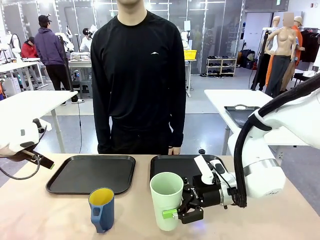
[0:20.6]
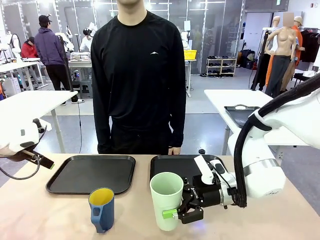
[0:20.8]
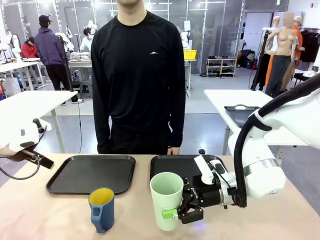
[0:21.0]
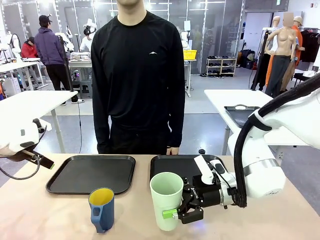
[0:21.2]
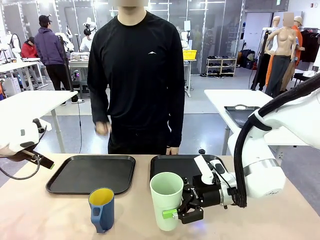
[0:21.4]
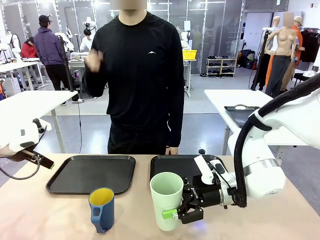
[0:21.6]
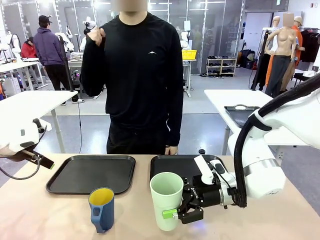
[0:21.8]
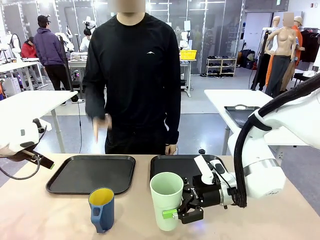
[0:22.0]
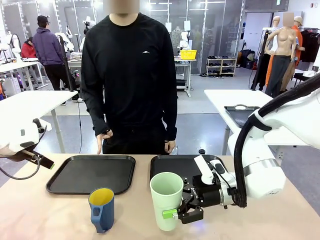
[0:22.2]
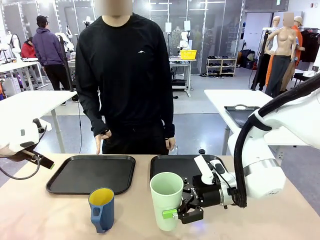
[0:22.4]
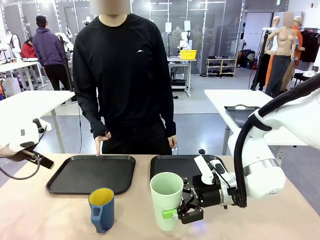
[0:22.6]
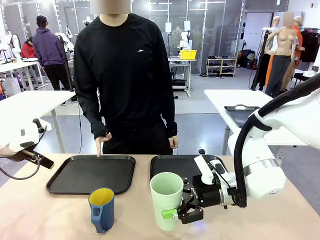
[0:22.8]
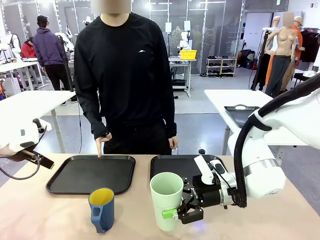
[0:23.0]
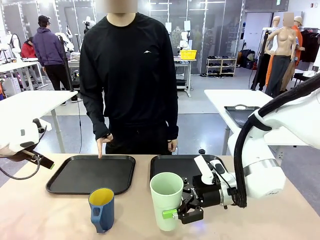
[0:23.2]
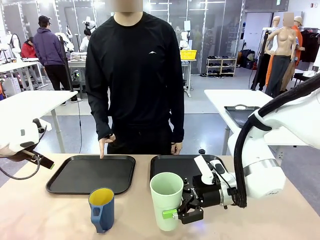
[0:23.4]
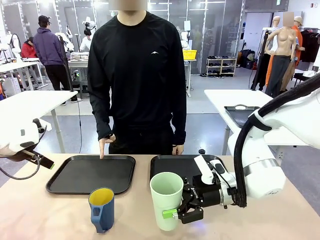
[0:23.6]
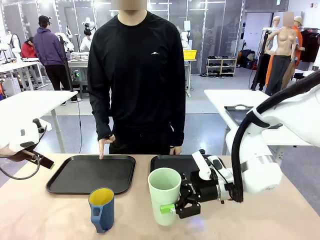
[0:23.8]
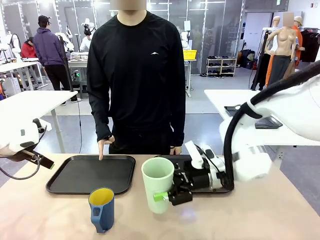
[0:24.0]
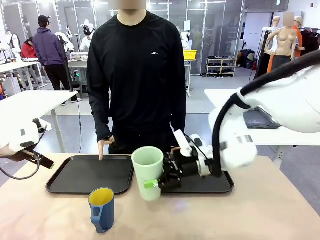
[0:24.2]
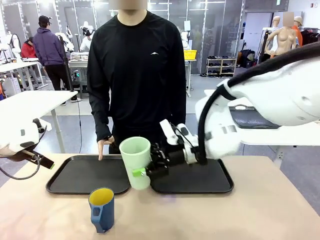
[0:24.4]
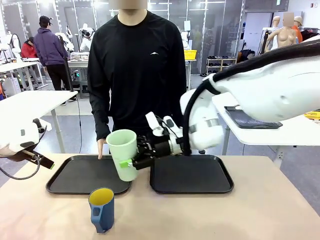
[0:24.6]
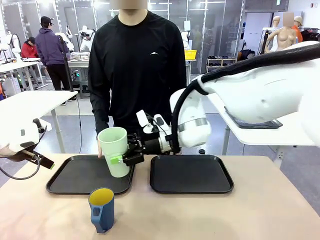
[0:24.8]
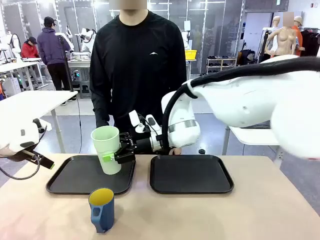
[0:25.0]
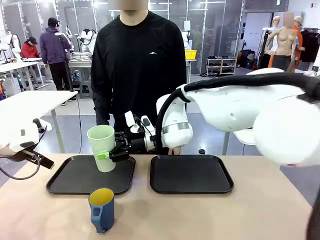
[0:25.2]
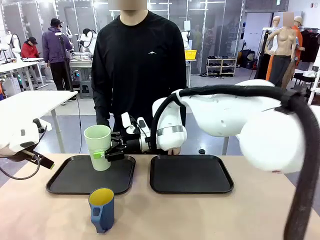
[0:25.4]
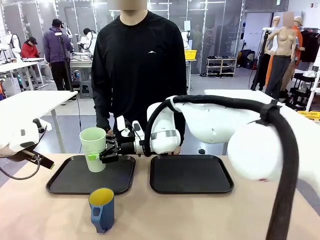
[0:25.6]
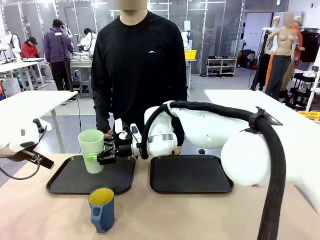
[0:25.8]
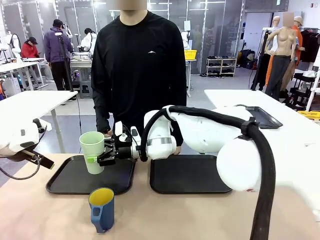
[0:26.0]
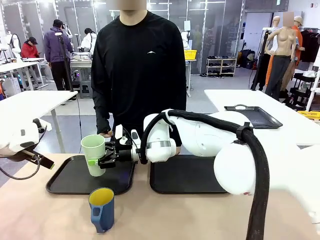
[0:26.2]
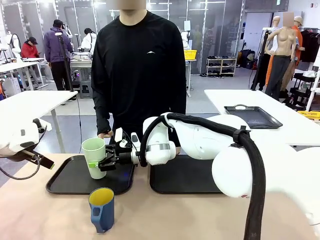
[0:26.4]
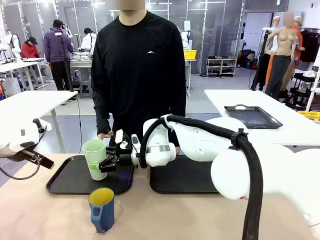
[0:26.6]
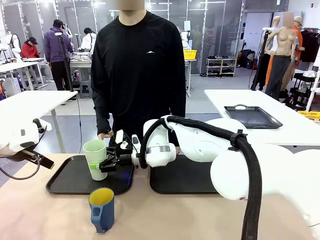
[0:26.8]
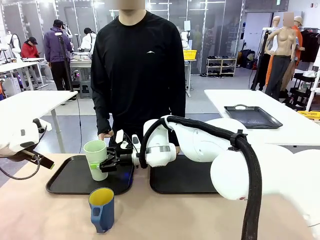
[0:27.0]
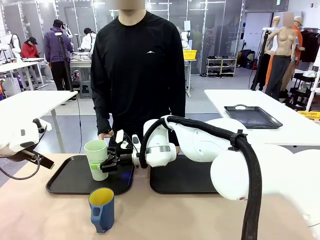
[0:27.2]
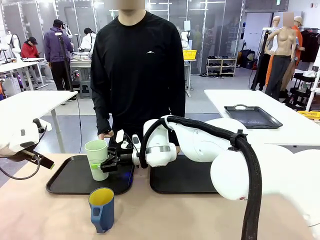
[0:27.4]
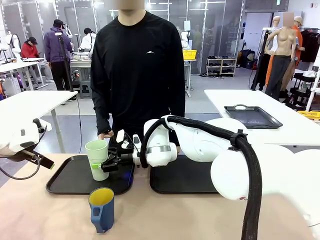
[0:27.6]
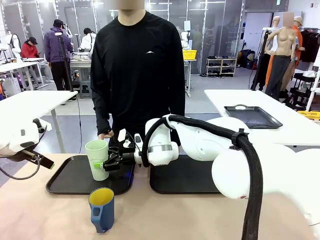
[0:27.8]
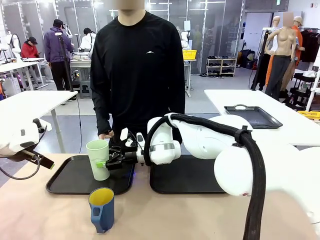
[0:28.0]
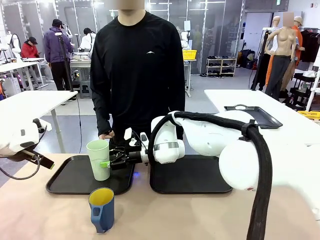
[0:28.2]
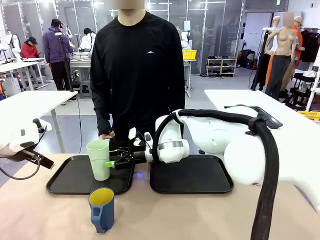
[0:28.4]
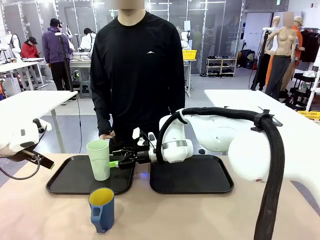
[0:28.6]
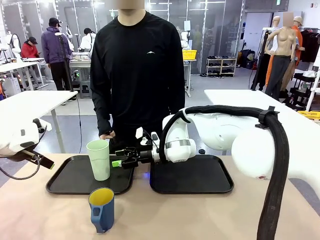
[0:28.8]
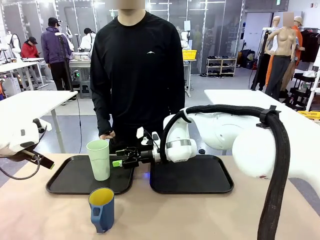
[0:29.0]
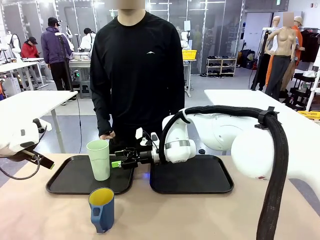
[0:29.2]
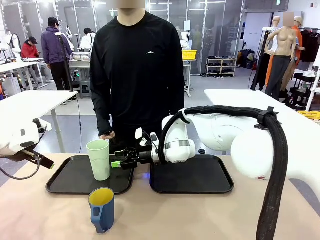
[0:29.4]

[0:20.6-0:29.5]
Task: Sort and store the cups by type.
Robot: Place the picked Reusable plastic cup into the Flat Tray indicated by the person.

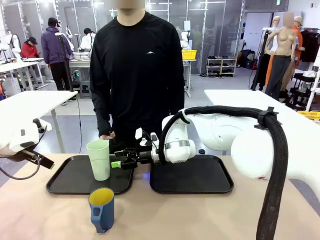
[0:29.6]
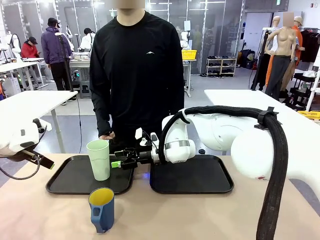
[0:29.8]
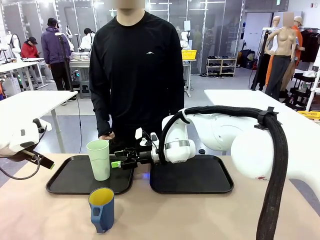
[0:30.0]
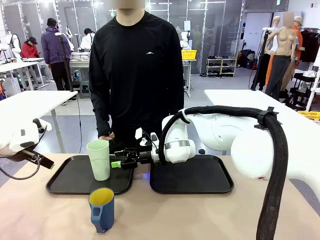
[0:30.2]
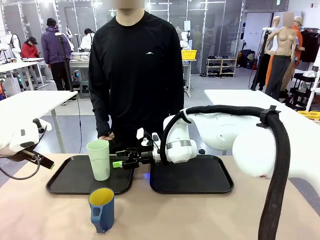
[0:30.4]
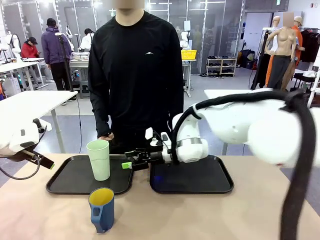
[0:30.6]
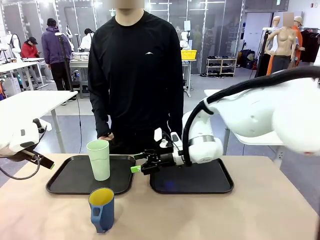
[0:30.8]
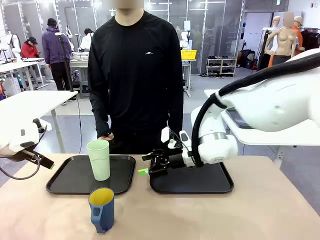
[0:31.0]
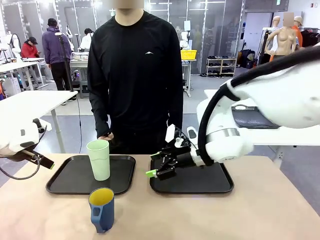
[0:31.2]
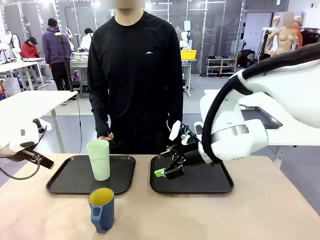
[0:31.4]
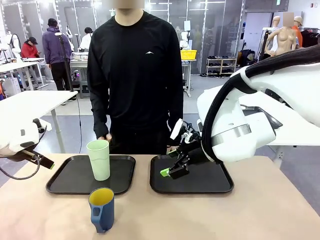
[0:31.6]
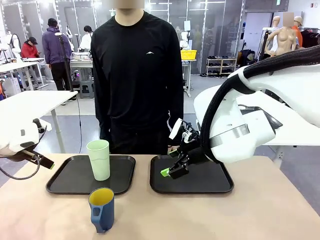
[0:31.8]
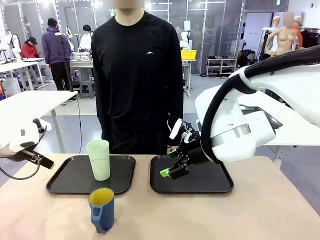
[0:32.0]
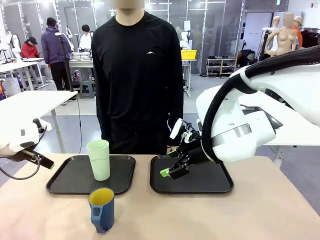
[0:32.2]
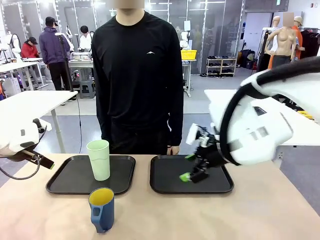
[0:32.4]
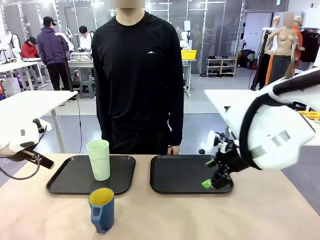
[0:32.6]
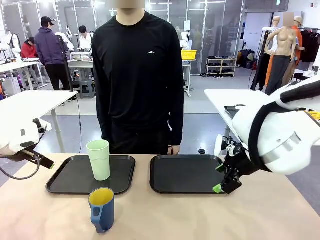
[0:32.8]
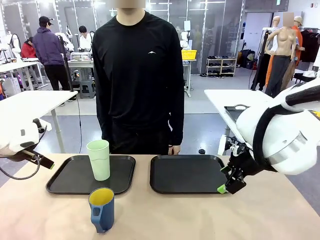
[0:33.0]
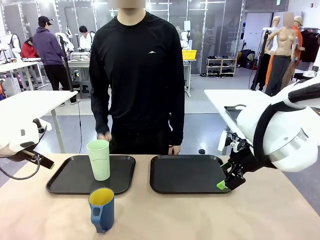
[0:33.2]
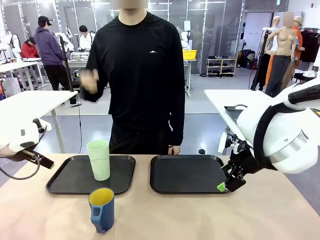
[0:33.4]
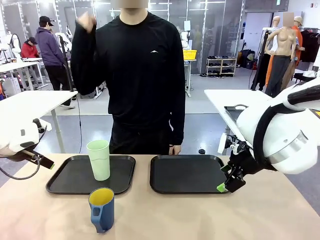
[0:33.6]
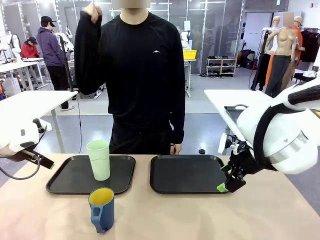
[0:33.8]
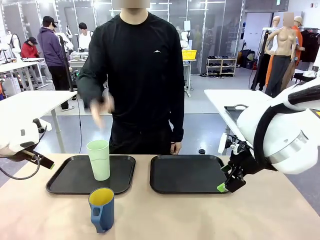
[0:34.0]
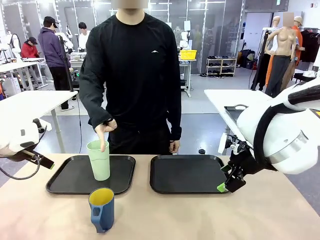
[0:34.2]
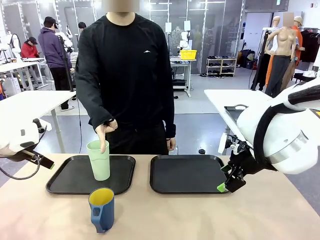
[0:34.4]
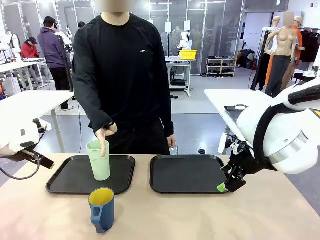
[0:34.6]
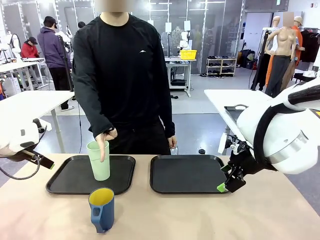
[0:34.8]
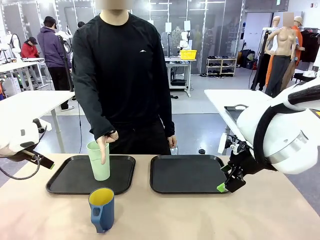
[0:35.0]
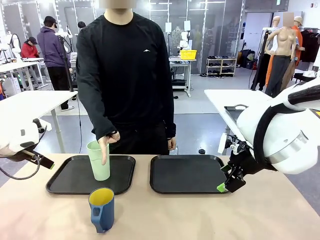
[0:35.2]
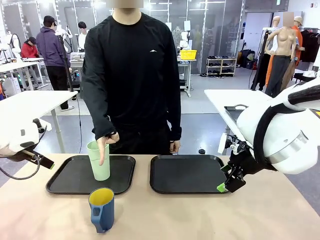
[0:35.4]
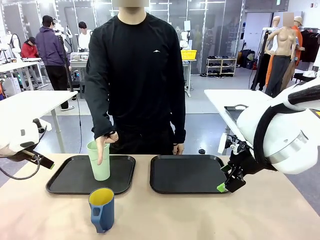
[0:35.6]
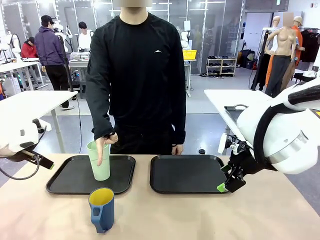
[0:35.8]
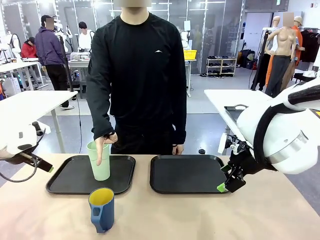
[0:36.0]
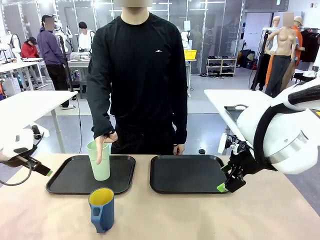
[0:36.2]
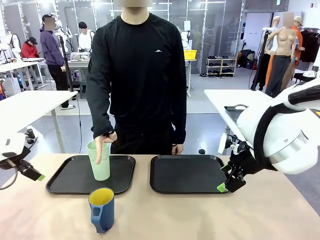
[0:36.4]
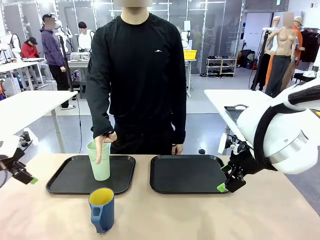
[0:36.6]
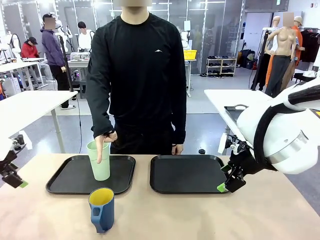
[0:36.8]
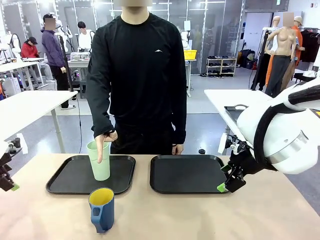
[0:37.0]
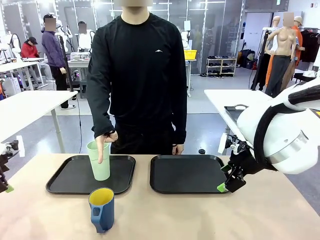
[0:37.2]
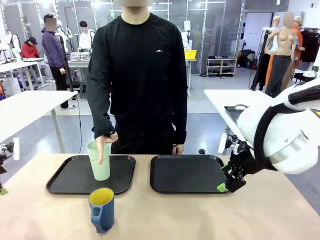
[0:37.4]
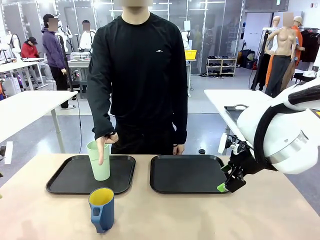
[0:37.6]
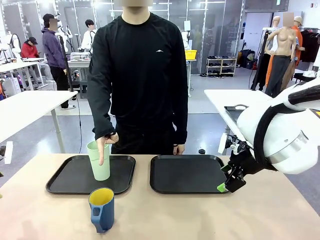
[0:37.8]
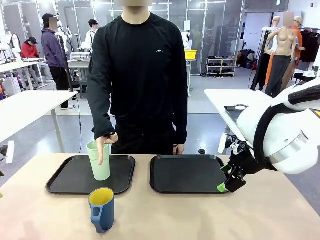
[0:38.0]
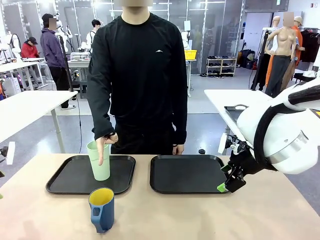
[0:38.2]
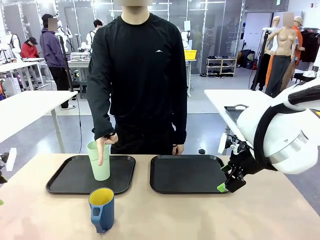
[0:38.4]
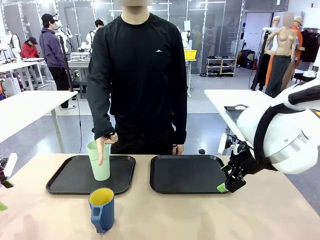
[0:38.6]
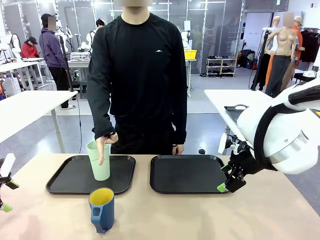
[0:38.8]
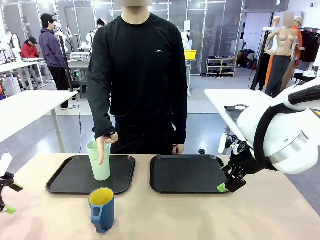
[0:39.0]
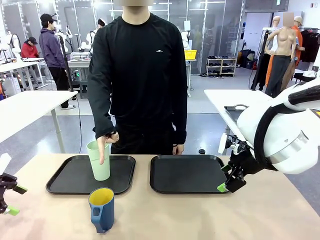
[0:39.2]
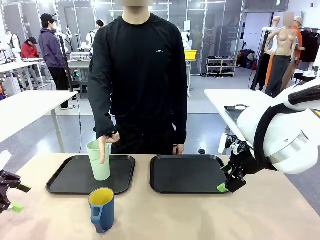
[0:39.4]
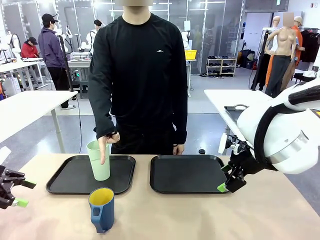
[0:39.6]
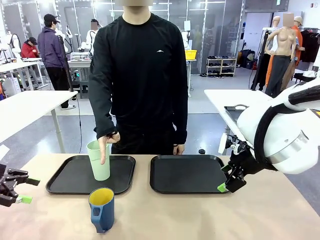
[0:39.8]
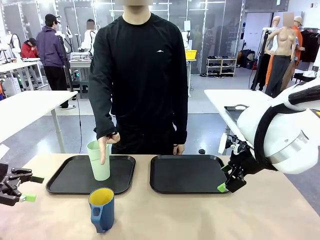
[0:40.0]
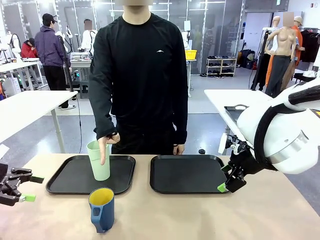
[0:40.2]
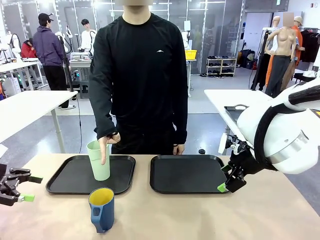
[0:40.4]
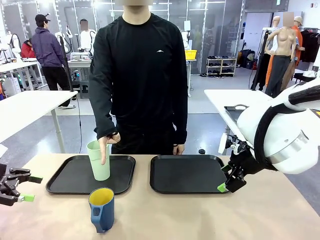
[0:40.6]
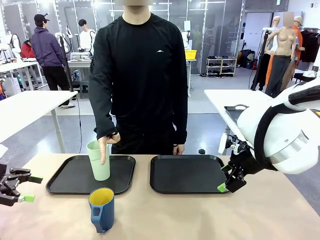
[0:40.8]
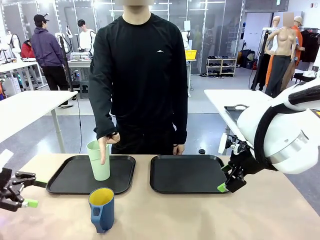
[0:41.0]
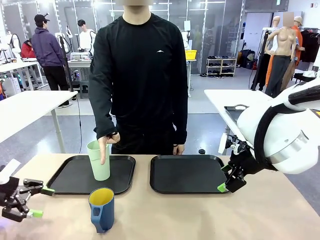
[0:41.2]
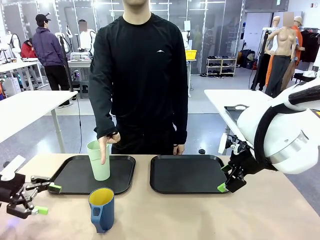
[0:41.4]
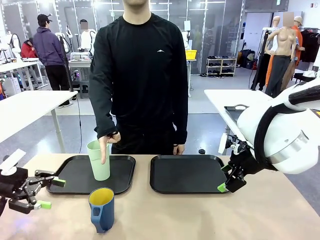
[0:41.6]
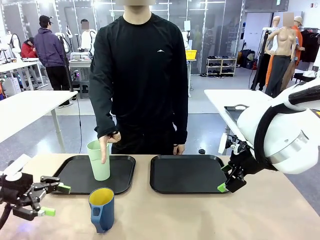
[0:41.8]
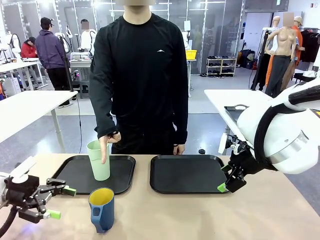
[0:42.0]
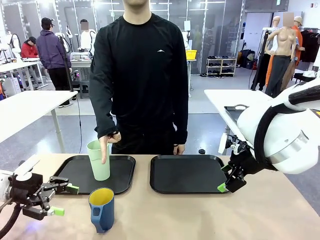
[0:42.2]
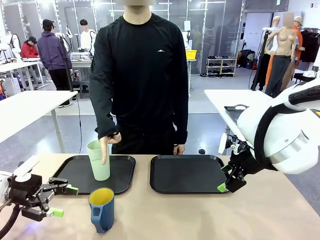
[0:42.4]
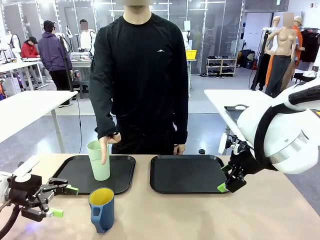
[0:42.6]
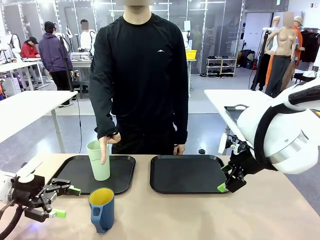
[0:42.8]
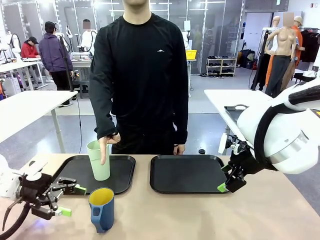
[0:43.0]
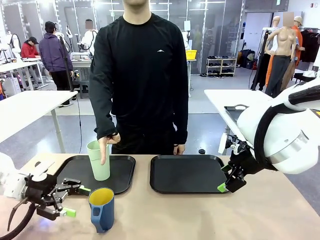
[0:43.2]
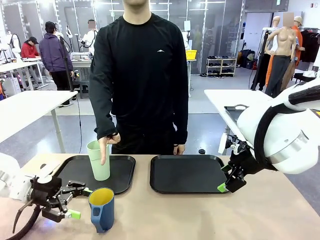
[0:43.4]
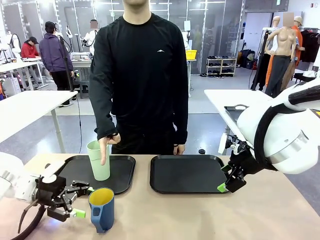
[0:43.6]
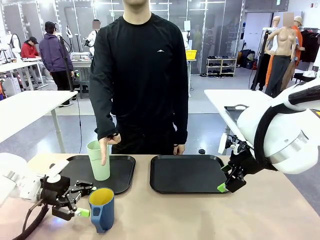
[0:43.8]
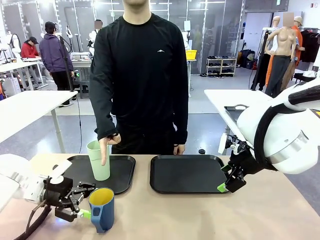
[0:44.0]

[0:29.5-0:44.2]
Robot: Pick up the Handle plastic cup and place it into the empty Flat Tray.
